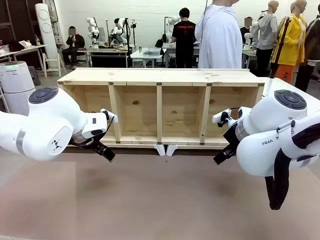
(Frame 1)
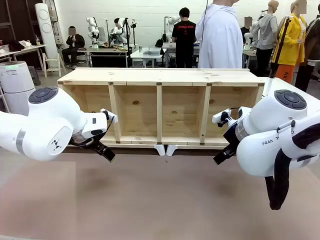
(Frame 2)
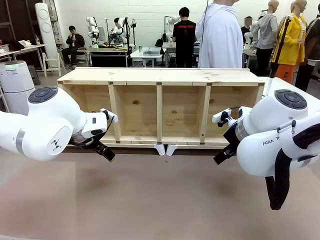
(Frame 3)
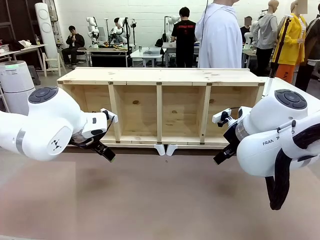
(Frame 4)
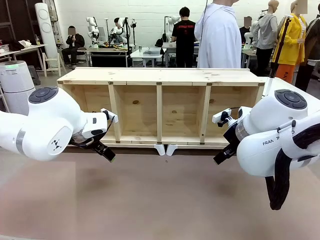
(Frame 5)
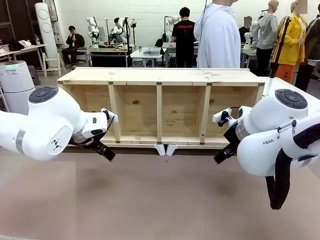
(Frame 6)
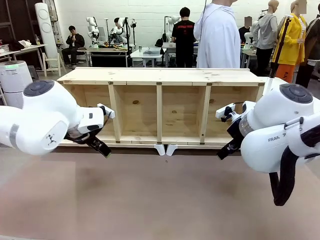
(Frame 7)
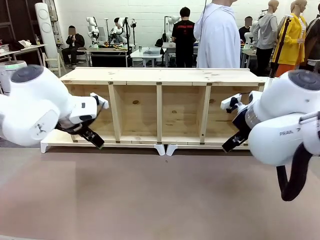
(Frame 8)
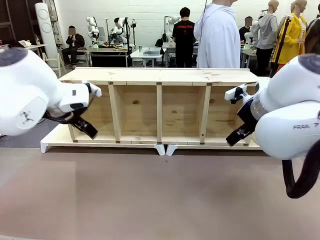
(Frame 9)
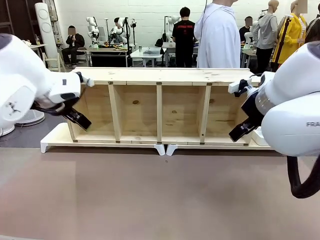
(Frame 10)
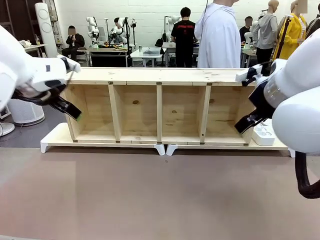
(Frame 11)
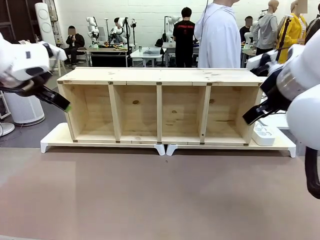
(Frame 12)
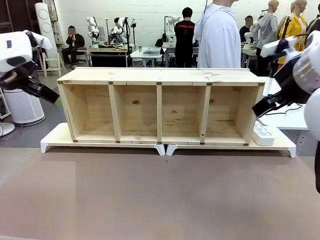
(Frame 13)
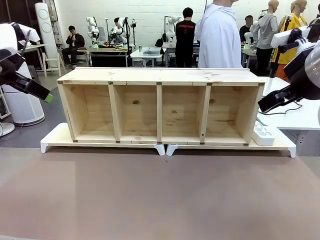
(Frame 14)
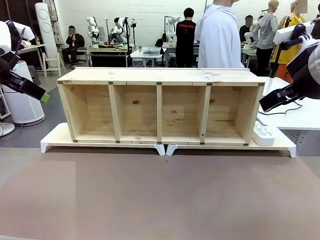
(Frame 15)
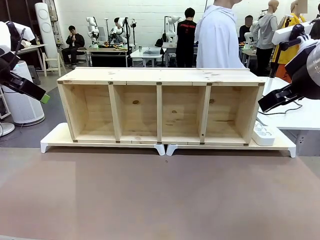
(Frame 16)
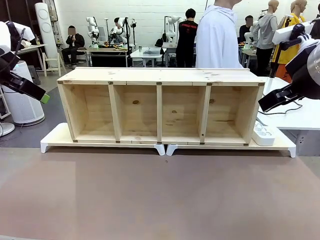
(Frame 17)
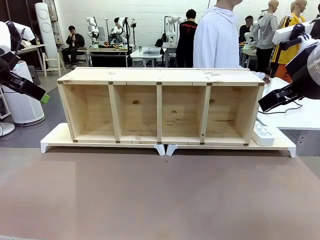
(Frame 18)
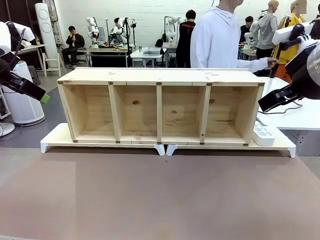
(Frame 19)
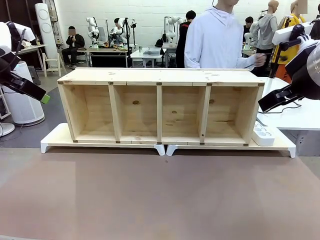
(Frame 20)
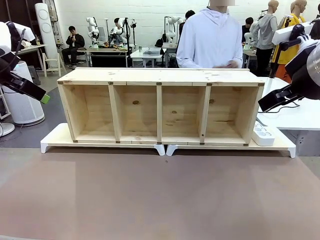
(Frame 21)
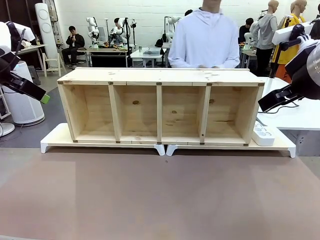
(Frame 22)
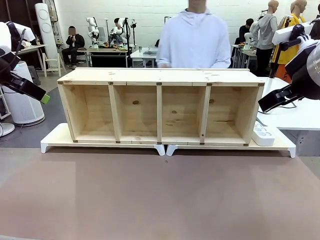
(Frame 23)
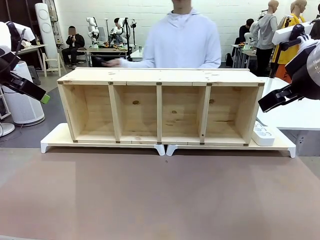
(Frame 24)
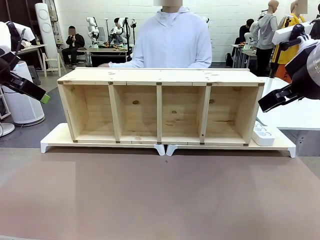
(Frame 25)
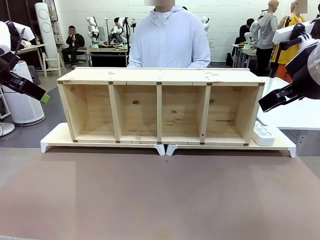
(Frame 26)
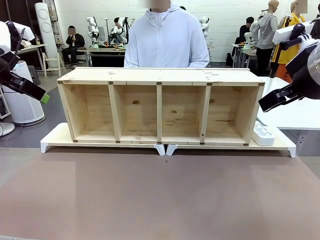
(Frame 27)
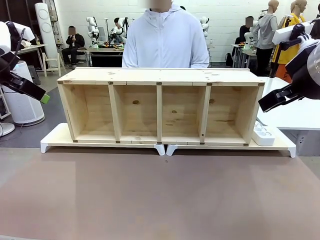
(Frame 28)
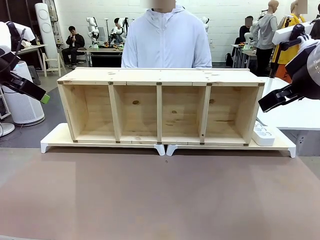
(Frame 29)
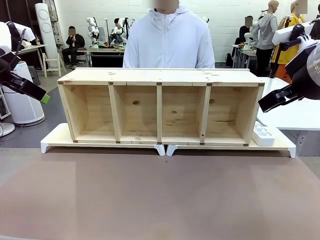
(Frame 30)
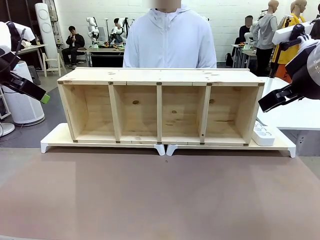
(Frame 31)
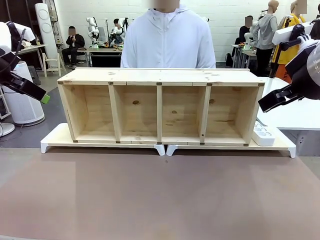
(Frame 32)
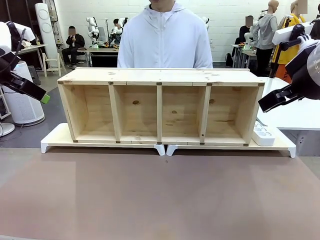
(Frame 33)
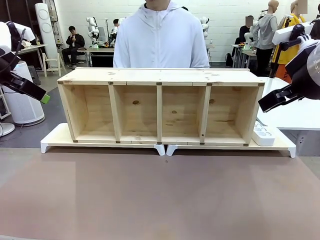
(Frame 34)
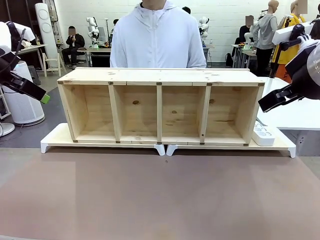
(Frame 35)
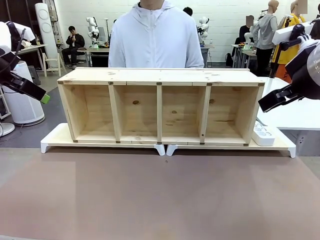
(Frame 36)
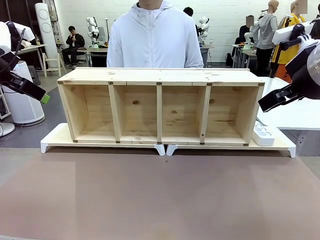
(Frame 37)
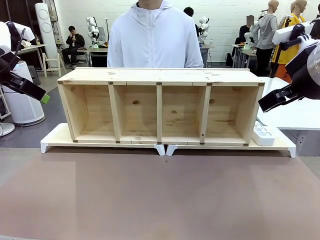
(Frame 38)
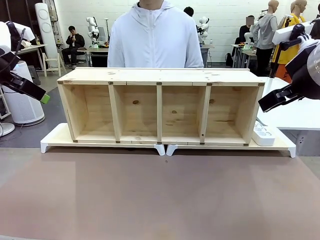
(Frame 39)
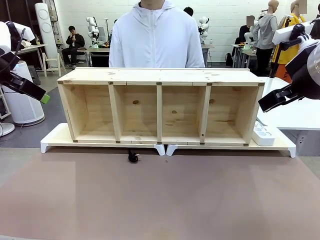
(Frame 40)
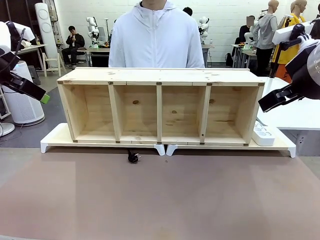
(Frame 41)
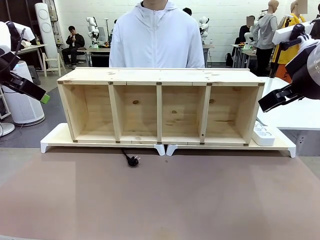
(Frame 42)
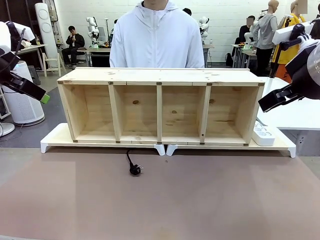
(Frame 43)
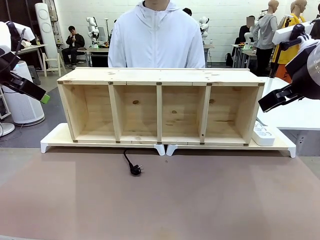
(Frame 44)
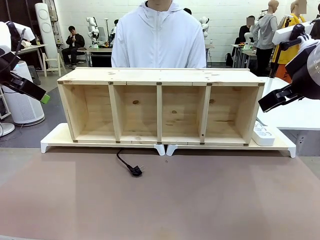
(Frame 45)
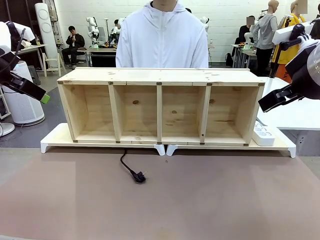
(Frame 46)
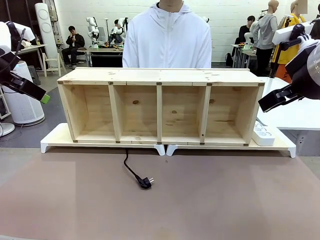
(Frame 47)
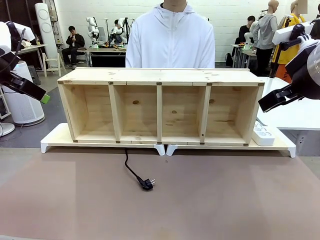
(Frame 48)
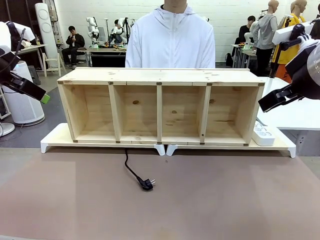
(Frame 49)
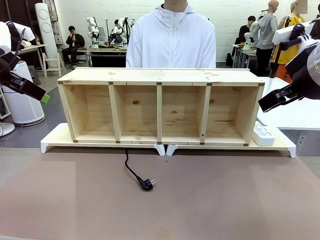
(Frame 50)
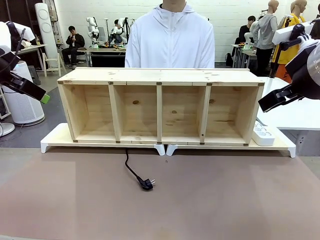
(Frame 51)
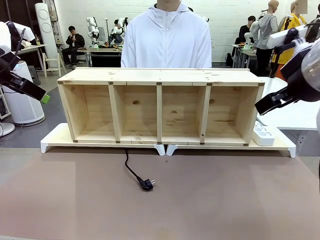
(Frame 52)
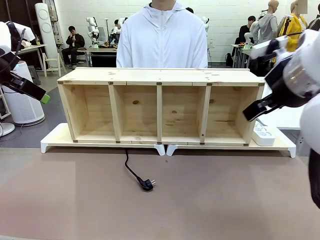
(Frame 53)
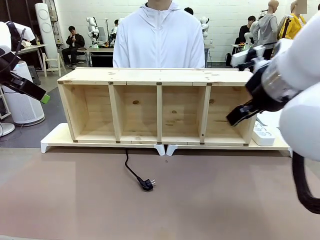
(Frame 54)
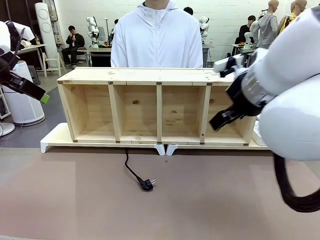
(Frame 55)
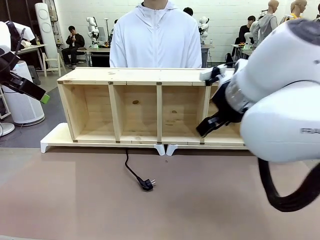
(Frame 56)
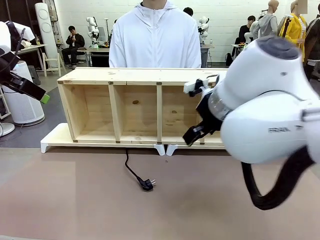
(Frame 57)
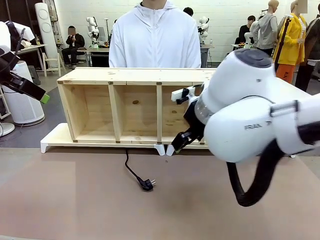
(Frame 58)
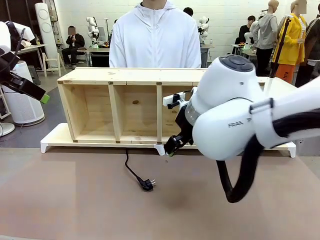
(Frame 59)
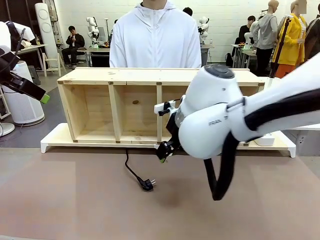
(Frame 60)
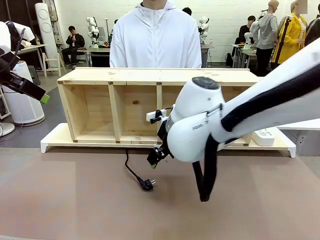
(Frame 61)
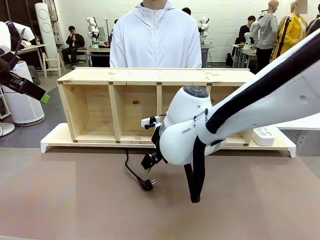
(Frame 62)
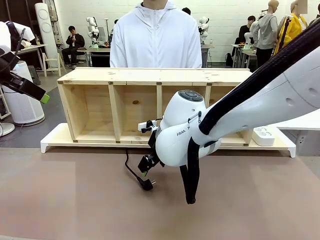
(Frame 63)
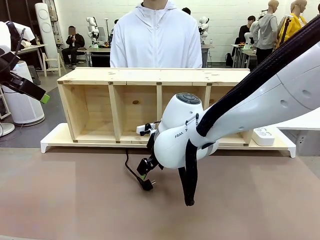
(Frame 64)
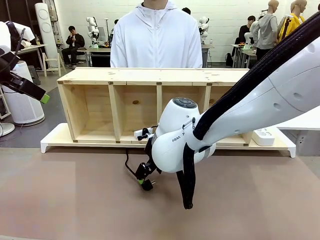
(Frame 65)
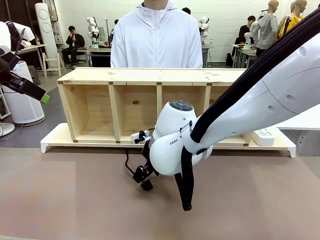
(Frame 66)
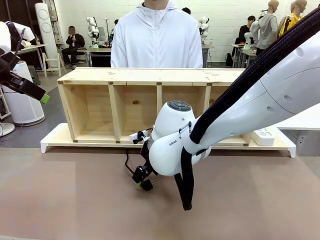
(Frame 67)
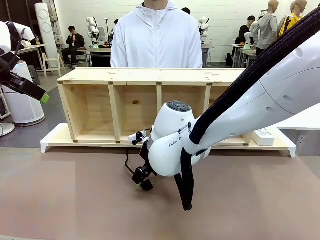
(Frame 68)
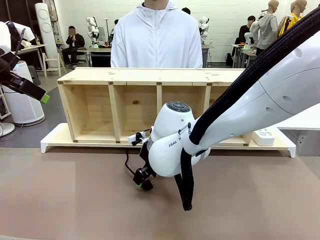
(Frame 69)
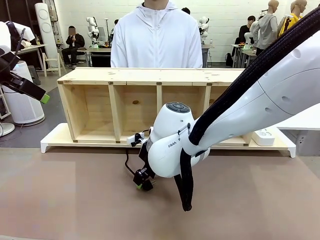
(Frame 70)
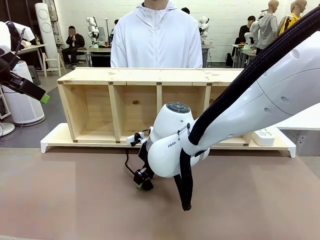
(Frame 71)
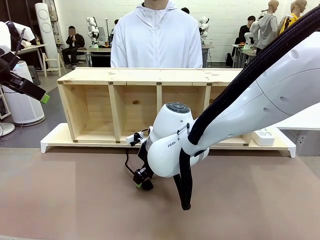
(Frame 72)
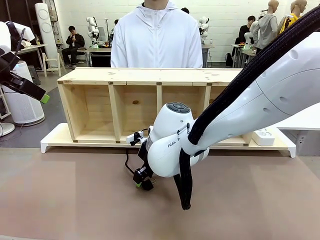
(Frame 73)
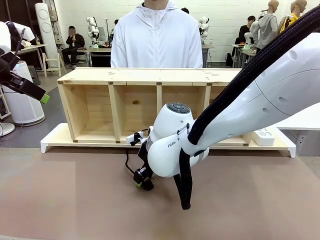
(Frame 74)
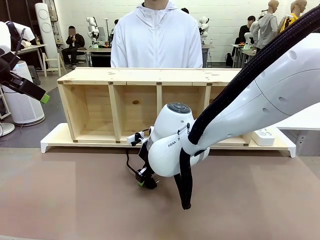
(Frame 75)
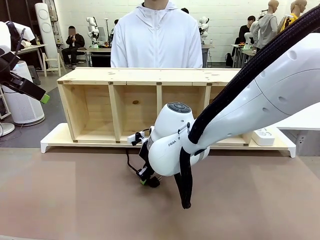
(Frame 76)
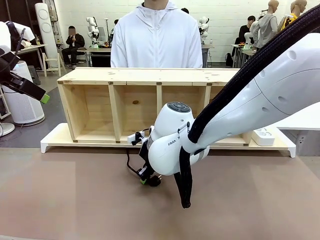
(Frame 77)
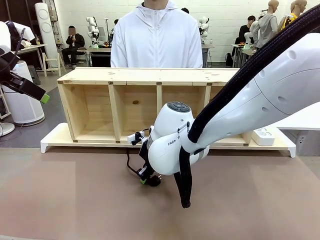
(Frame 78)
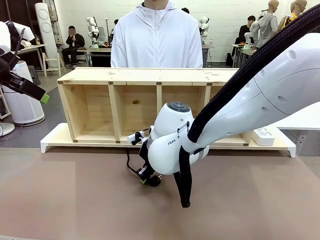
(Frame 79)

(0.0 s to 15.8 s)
Task: Perform cable management.
Robot: When the cord part of the Power Cable appears at the lower middle area of the table and stops, grasp the cord part of the Power Cable.
Person: Pass the Power Cable under the Serving Table.

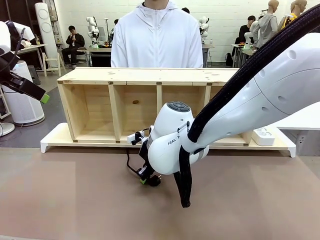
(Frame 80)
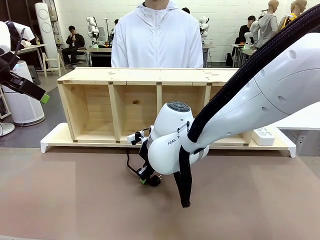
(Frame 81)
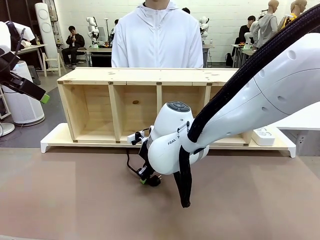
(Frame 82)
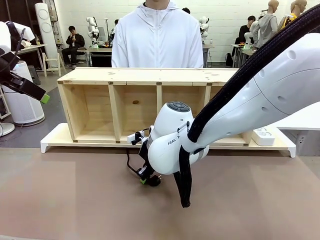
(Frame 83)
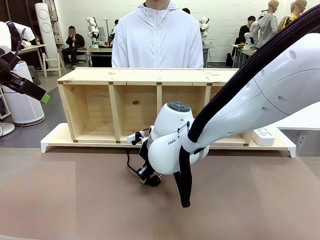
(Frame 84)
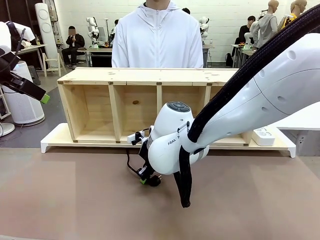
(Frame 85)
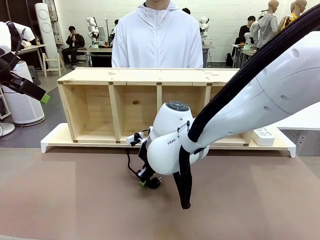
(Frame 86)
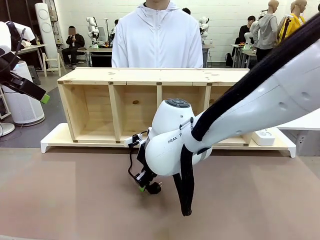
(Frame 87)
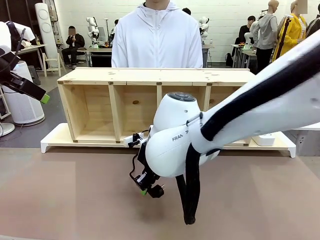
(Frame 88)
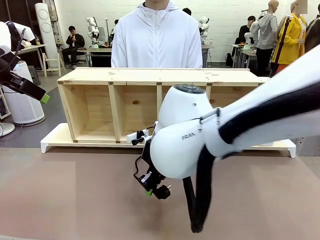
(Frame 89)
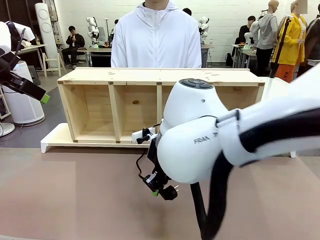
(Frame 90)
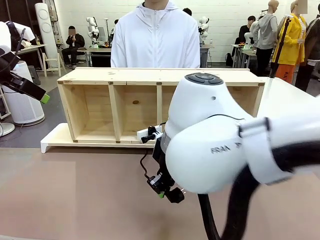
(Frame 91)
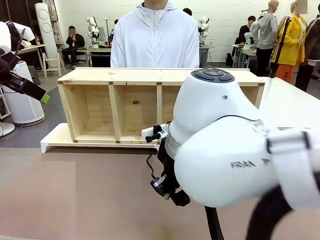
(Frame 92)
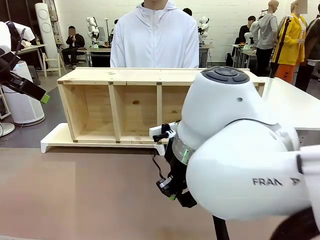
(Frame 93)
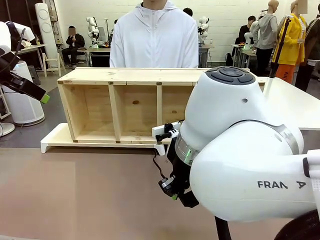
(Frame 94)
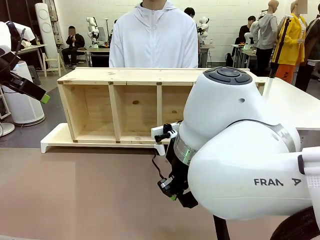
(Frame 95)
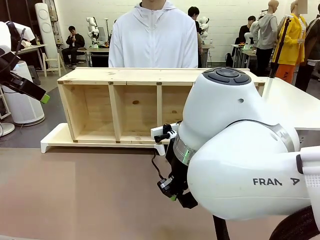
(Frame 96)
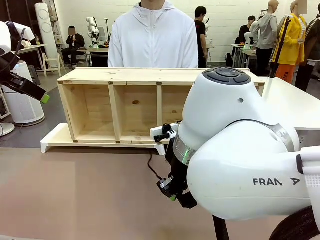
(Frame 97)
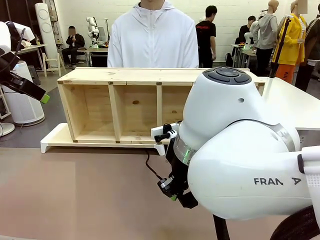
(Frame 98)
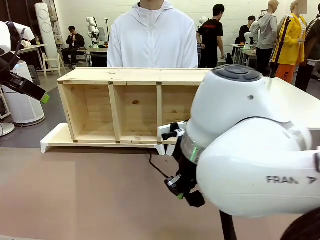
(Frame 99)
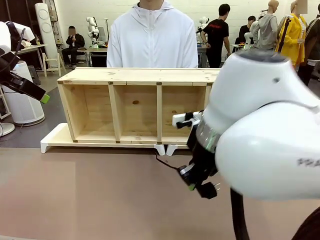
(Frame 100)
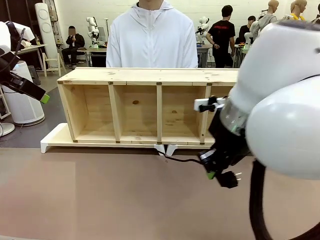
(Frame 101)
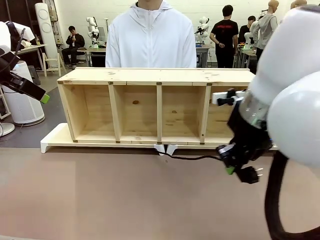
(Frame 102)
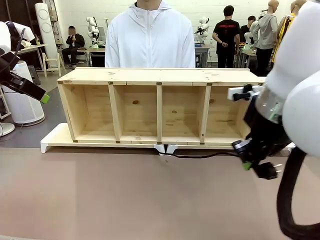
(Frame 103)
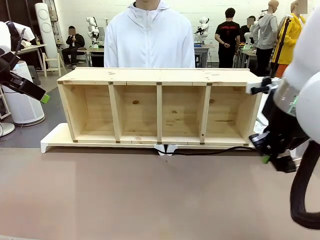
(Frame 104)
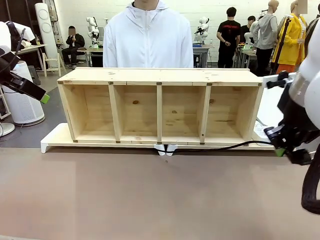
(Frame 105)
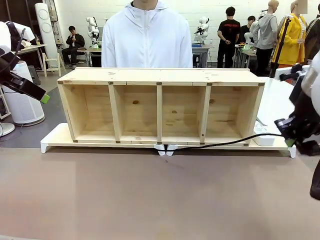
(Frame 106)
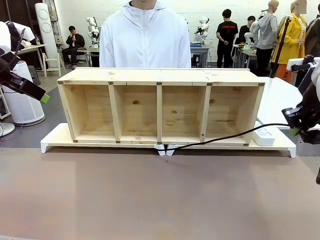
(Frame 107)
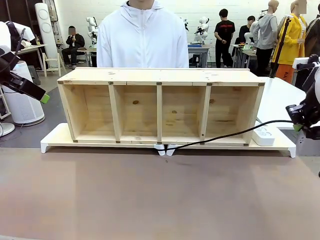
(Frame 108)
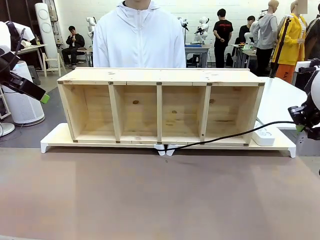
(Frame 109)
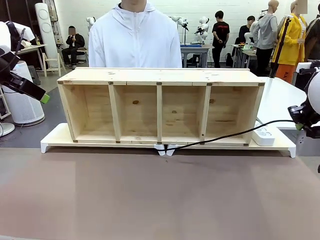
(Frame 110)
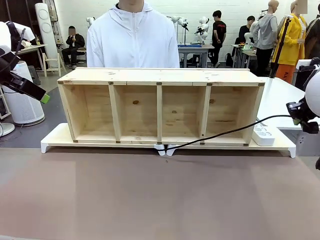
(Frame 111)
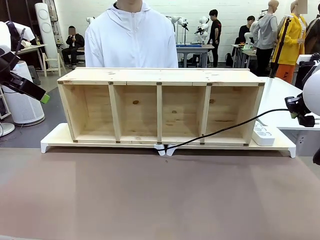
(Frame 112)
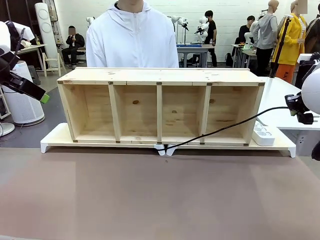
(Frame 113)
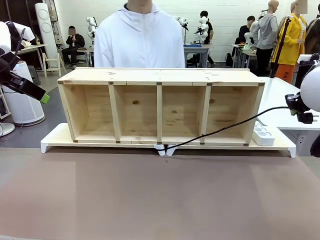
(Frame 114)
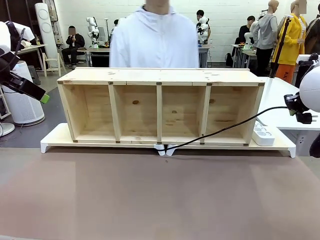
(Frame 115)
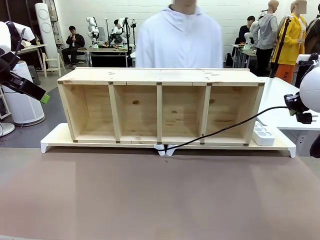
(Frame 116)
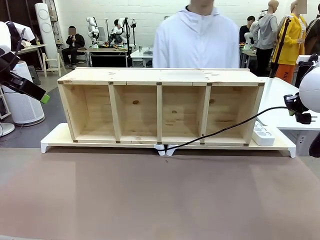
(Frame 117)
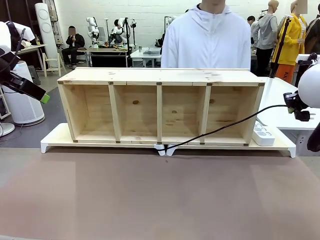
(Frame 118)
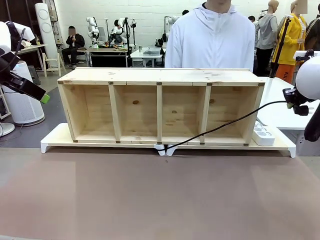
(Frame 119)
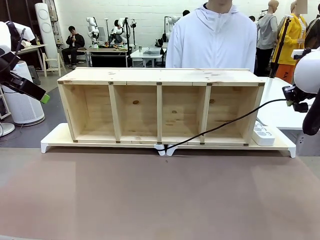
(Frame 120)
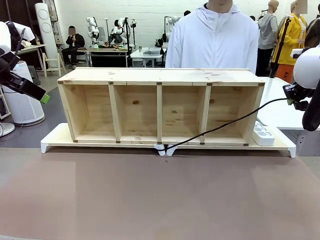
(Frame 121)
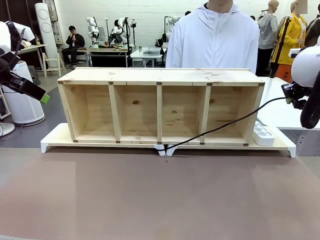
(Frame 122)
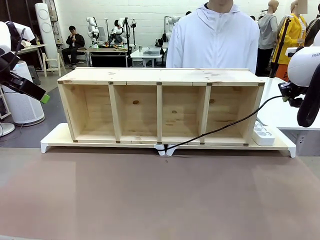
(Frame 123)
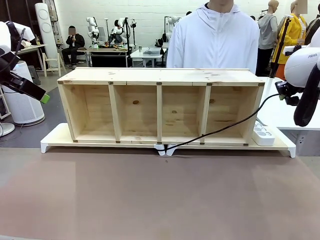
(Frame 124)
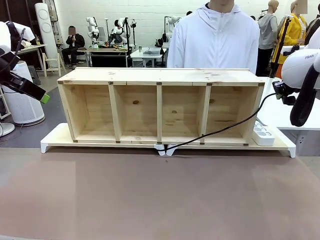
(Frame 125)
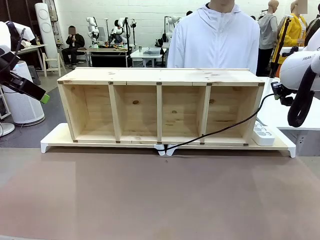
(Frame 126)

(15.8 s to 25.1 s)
Robot: Pull the grasped Power Cable to the location of the Power Strip.
